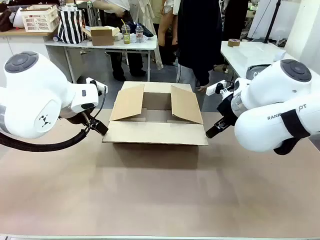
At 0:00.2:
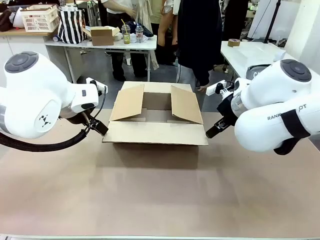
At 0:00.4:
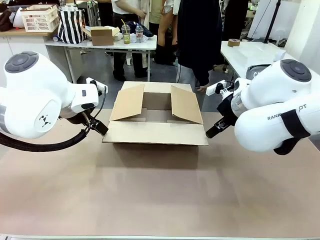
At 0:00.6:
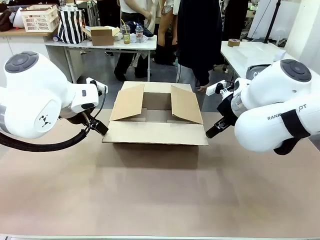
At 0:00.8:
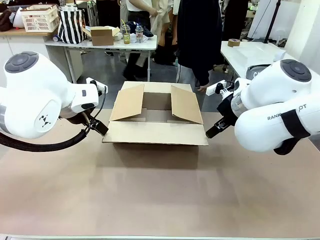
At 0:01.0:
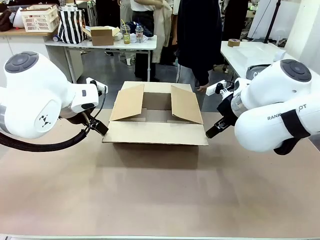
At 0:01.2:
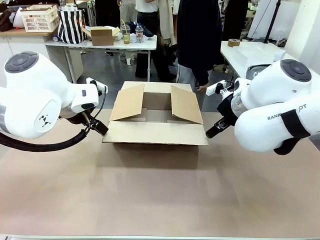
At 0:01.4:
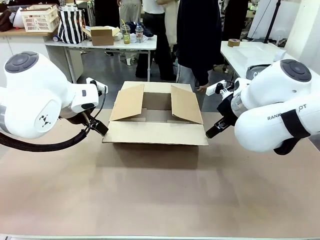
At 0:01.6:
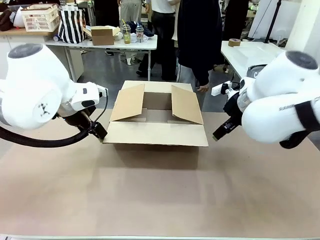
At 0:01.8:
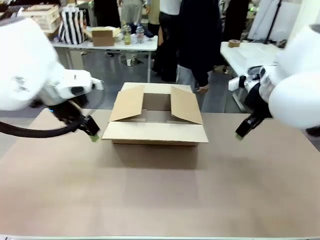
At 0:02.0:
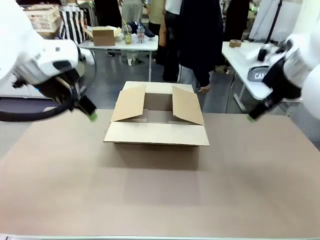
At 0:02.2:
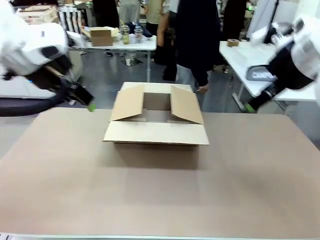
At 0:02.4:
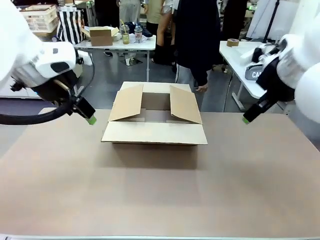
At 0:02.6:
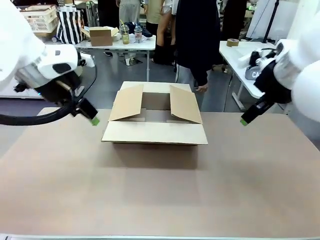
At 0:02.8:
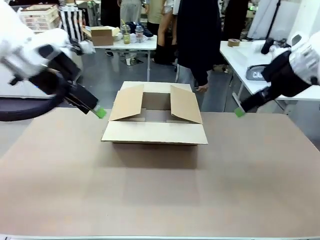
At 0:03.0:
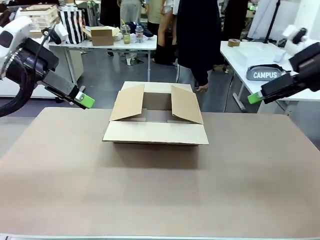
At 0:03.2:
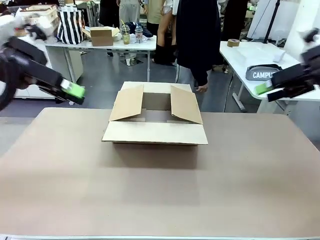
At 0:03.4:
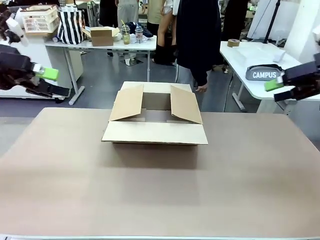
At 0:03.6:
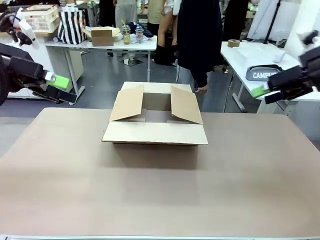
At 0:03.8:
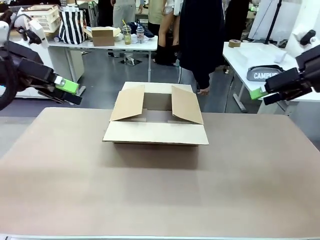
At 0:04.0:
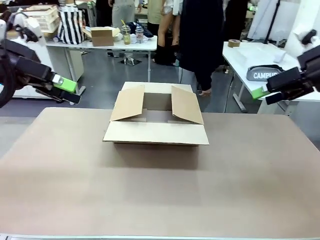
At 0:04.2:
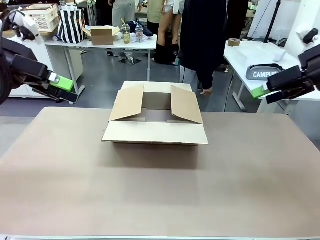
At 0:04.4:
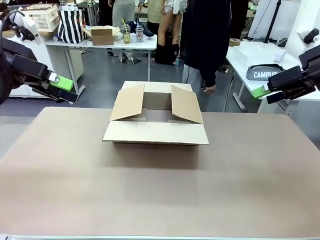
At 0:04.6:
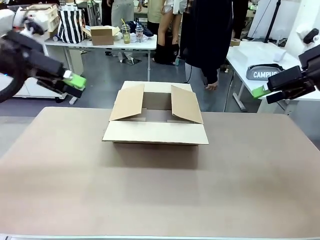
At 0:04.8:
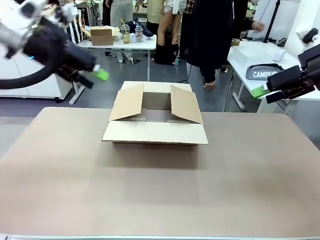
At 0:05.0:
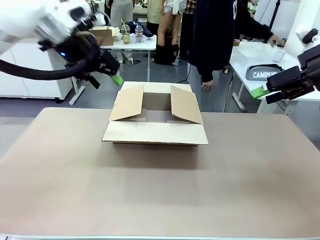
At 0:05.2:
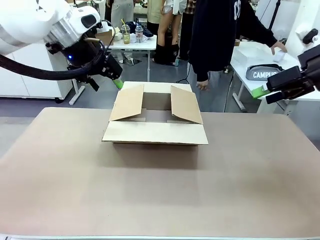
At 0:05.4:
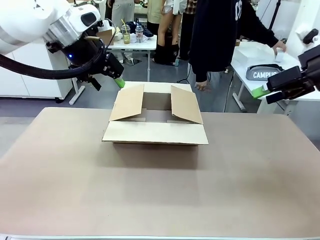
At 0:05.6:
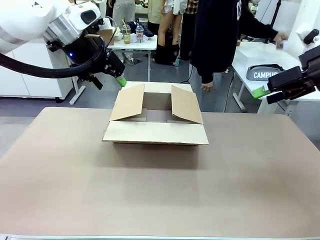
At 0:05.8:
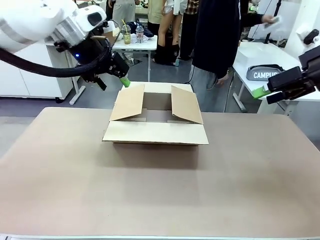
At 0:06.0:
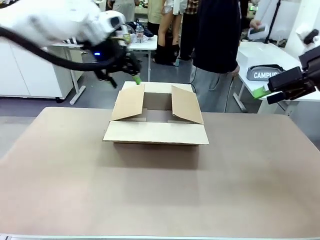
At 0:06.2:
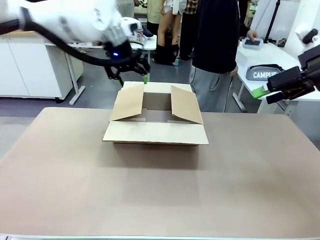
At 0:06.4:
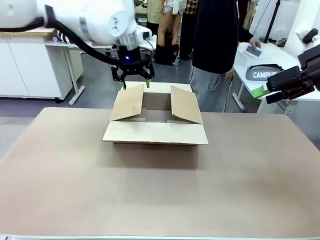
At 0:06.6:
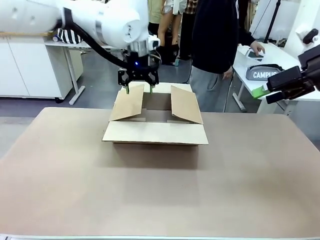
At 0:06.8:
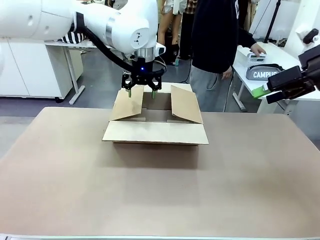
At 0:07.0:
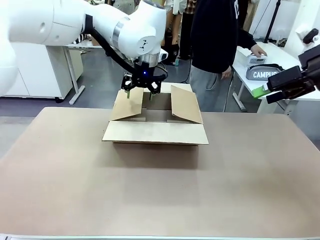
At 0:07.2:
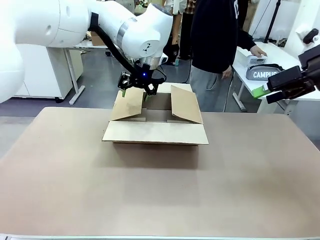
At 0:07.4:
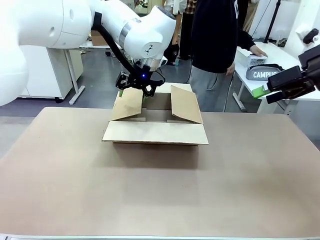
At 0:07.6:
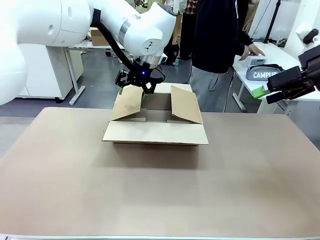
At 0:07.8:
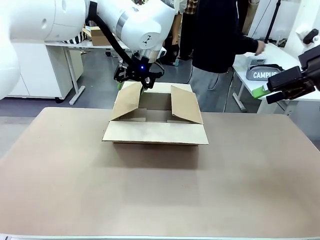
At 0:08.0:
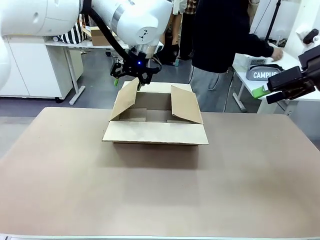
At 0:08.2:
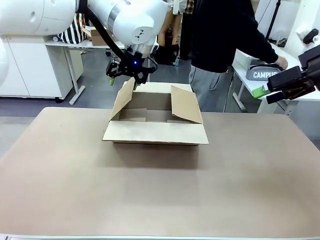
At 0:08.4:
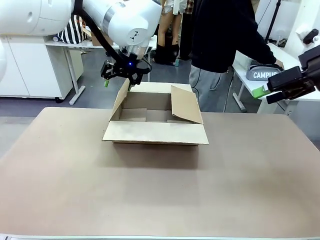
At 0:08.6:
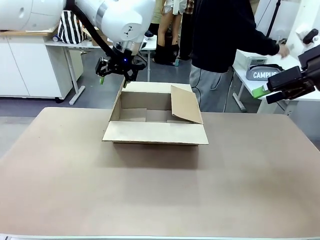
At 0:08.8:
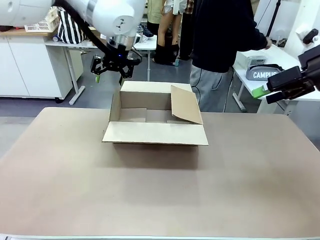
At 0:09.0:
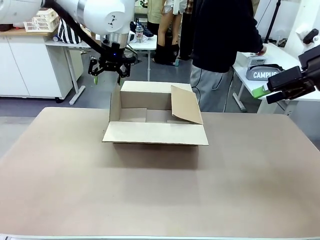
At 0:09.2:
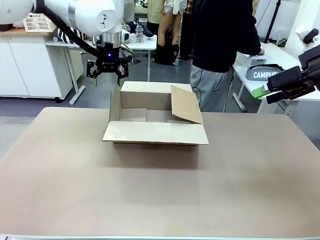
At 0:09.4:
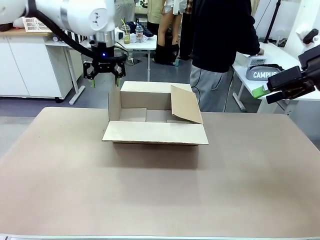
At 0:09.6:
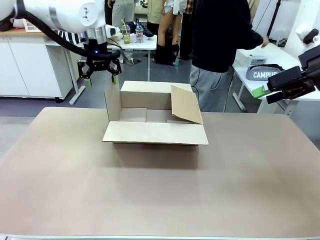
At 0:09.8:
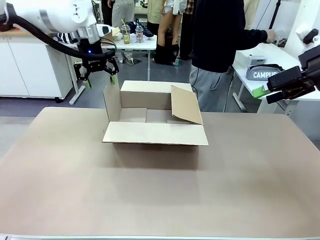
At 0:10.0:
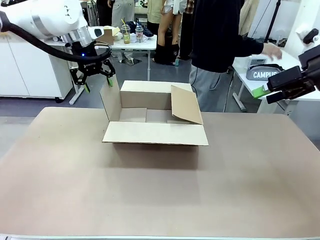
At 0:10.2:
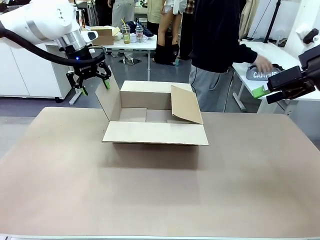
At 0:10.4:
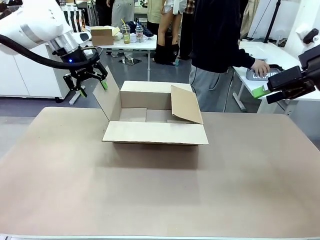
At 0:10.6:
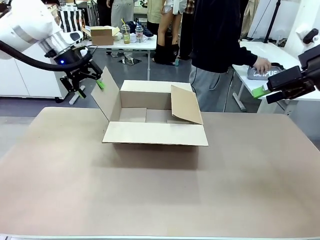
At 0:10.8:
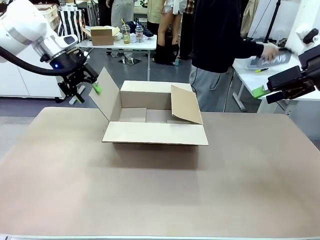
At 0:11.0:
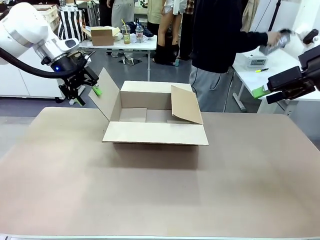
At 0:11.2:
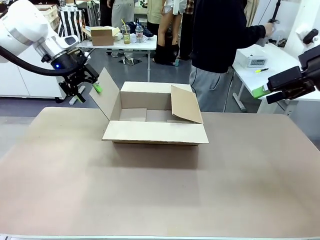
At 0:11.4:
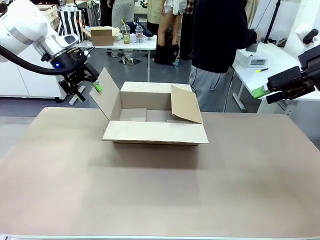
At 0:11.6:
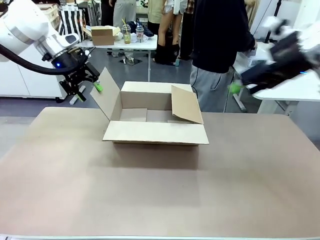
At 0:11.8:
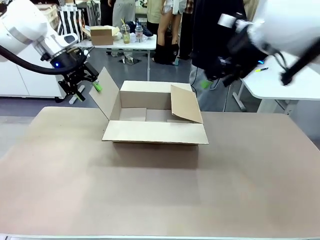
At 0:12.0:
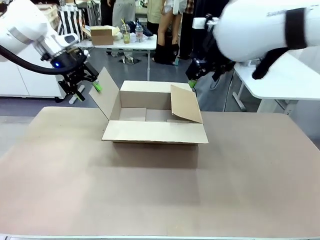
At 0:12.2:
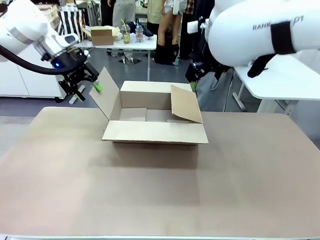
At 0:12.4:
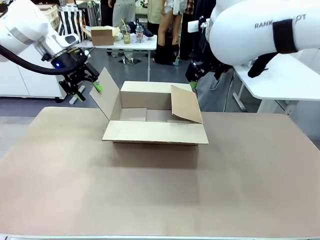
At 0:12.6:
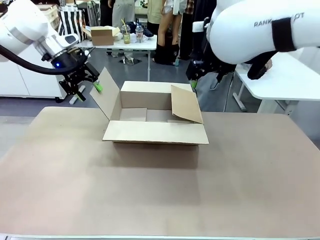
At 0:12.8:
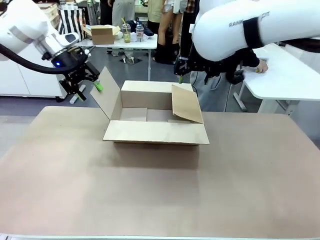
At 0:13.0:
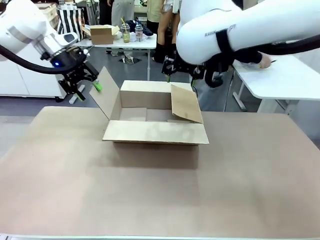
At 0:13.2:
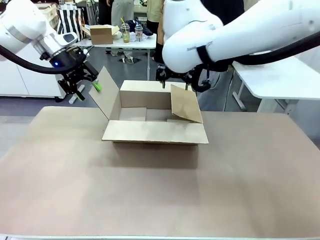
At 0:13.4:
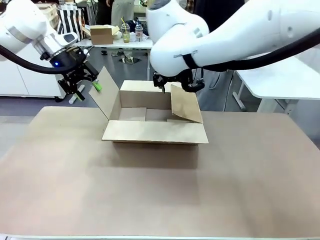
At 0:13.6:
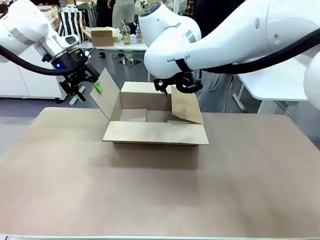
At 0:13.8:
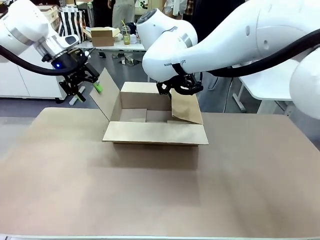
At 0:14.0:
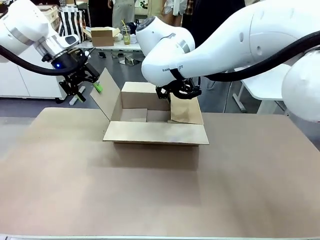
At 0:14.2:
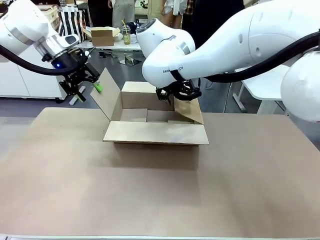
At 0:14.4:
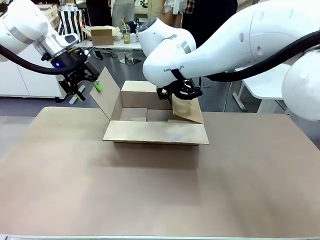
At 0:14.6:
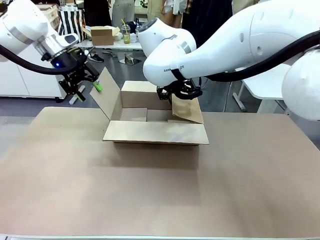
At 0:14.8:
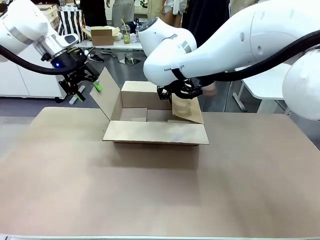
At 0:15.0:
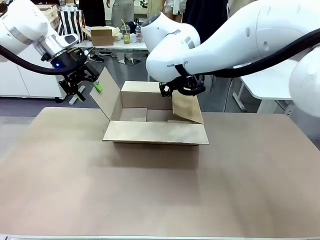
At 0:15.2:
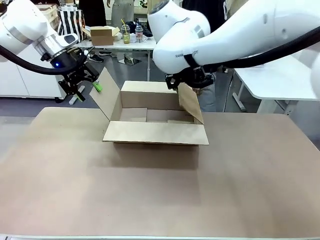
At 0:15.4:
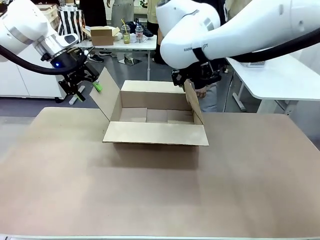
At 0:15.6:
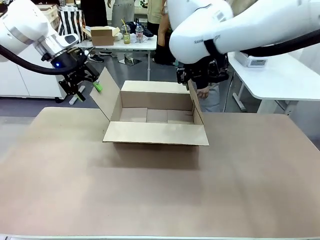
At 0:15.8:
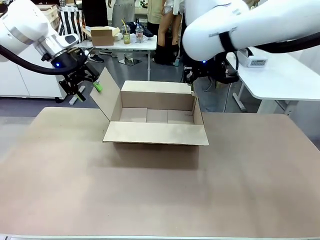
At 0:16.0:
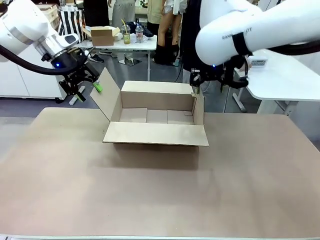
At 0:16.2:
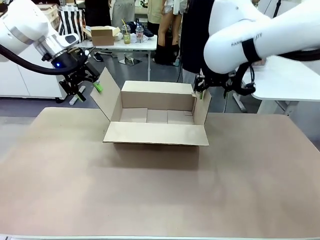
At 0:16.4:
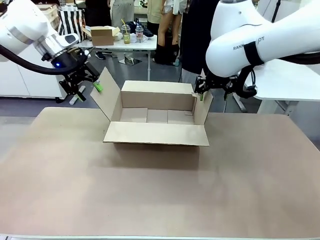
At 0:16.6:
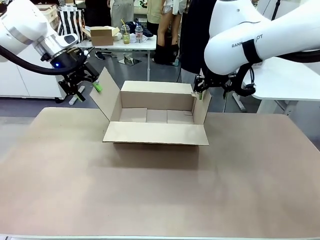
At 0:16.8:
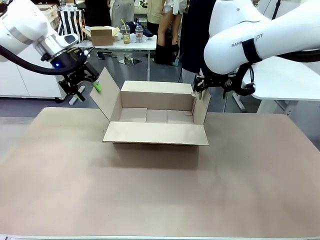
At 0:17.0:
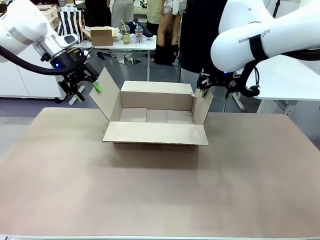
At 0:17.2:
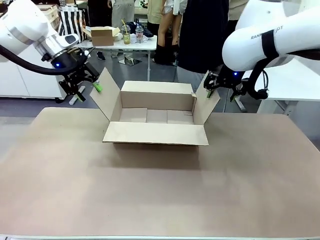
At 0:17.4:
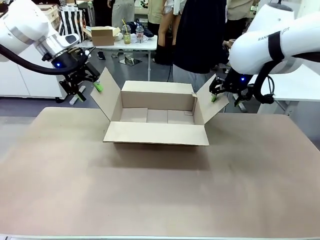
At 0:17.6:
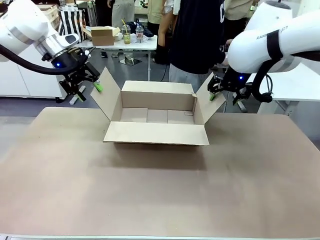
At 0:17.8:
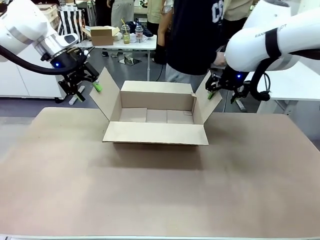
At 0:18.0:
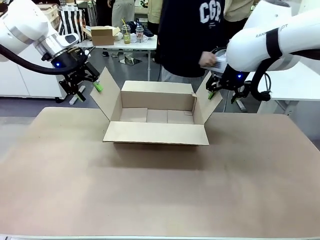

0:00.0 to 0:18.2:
Task: Pack the gift set into the box.
Robot: Place both hands on the side flaps of the Package Box and spread them outward.
Person: The human places all items except the paper tape into the organizing basket.

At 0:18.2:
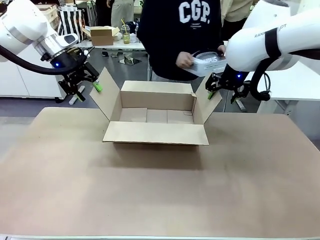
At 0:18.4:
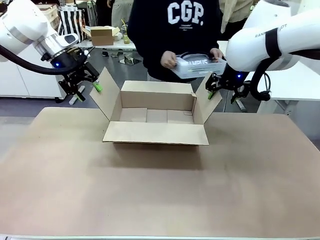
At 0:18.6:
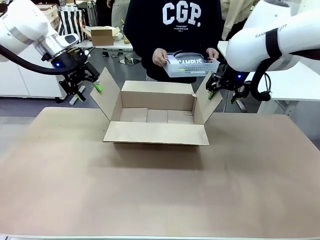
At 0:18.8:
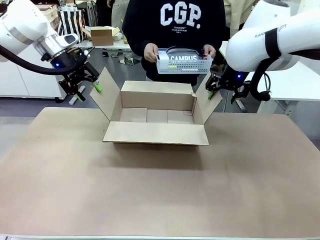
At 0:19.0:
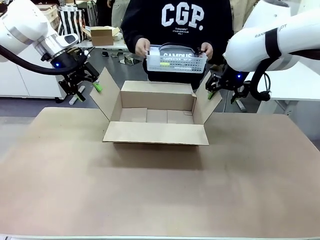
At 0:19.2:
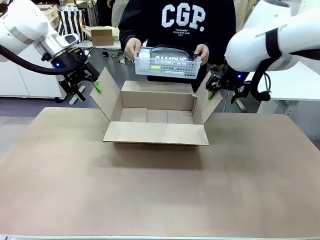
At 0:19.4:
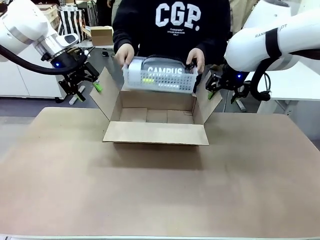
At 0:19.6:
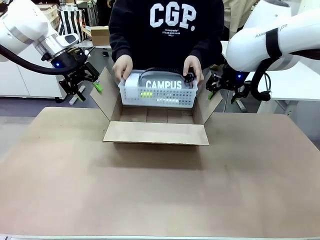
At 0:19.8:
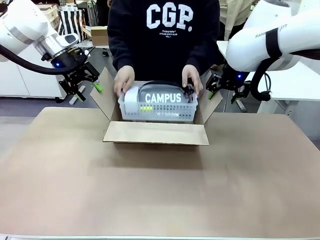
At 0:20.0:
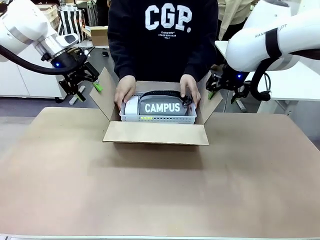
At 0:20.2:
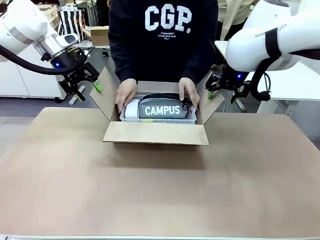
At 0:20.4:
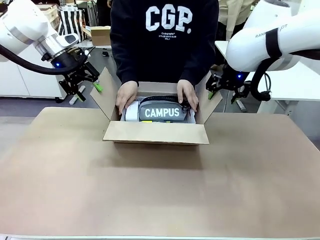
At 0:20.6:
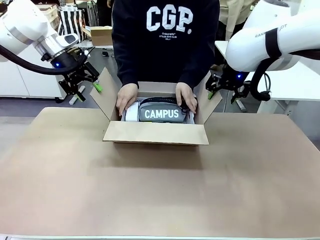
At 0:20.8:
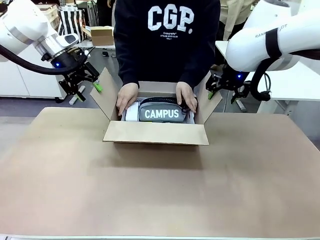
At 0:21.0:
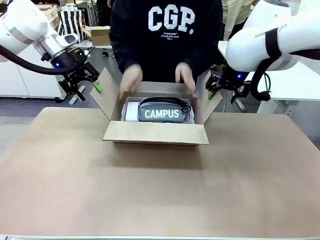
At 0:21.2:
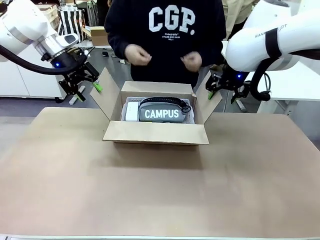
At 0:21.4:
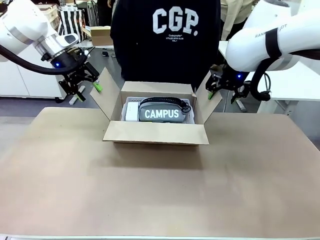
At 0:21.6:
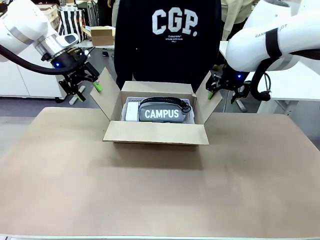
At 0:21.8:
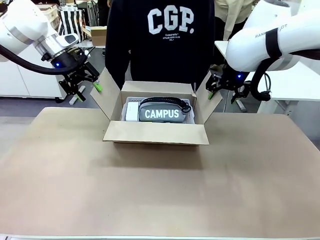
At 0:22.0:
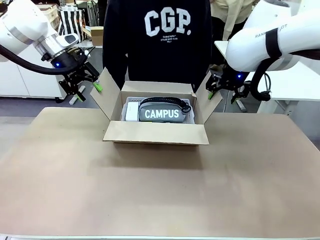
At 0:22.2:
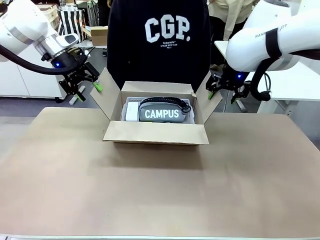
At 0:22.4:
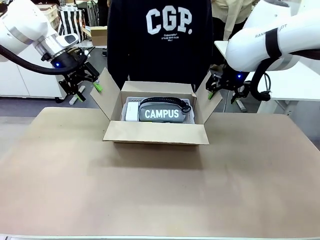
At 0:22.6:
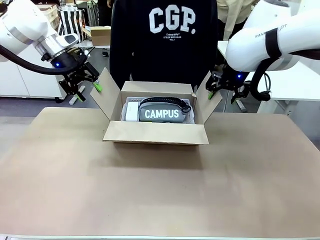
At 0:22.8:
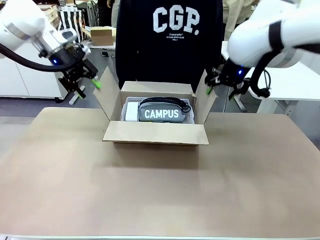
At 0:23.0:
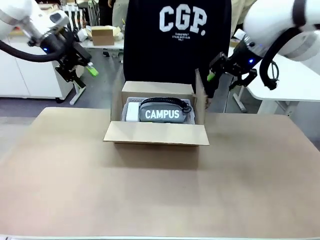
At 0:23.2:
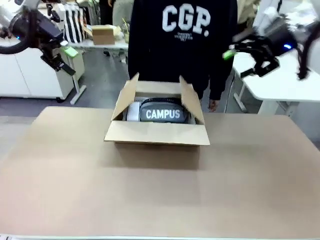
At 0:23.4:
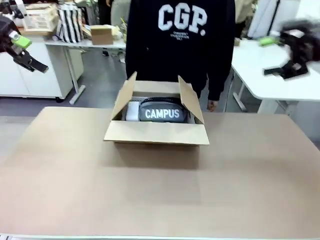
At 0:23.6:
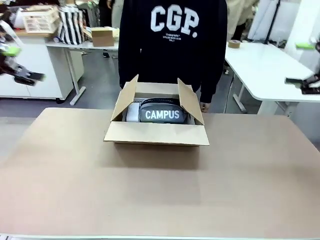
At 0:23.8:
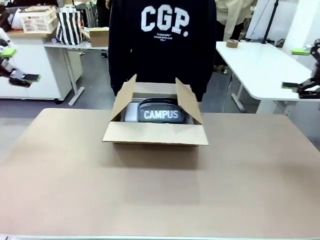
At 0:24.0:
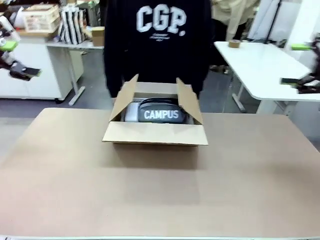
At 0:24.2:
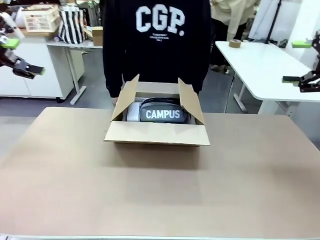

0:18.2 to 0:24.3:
Robot: Lift both hands away from the flaps of the Package Box.
Person: The human picks up the organizing basket and places the organizing basket into the package box on the robot table.
